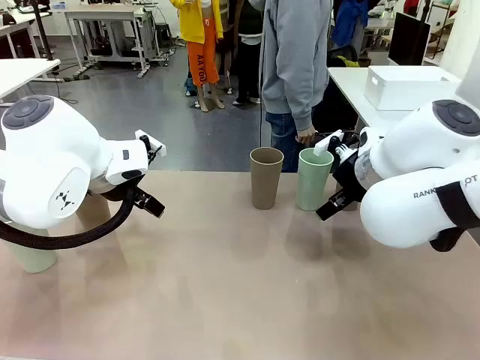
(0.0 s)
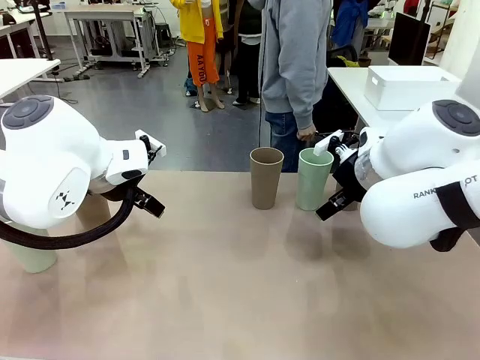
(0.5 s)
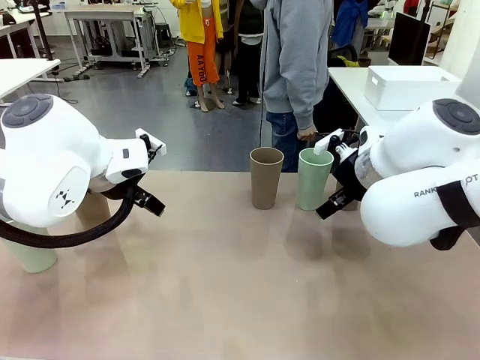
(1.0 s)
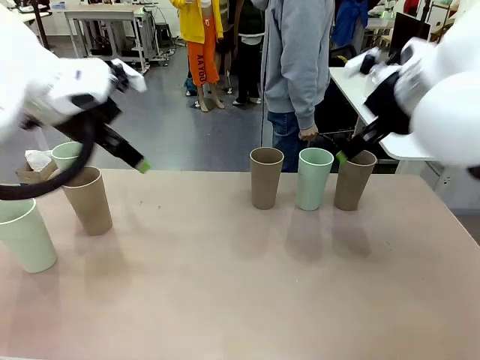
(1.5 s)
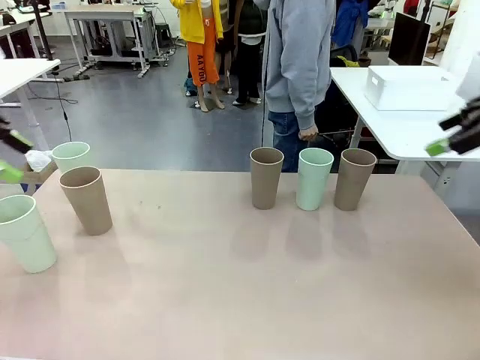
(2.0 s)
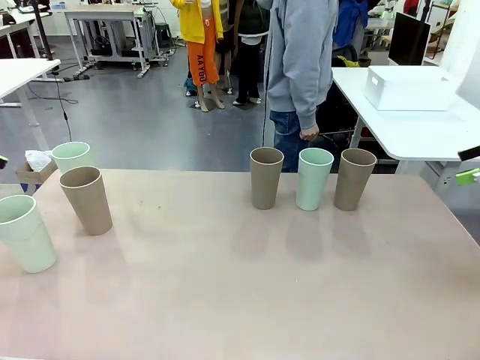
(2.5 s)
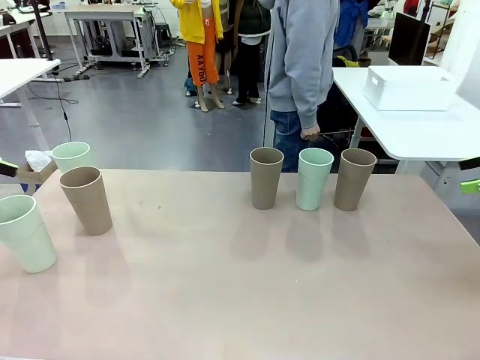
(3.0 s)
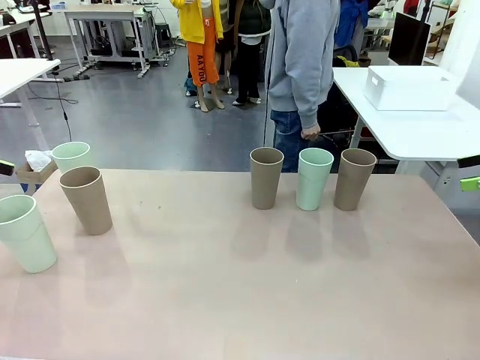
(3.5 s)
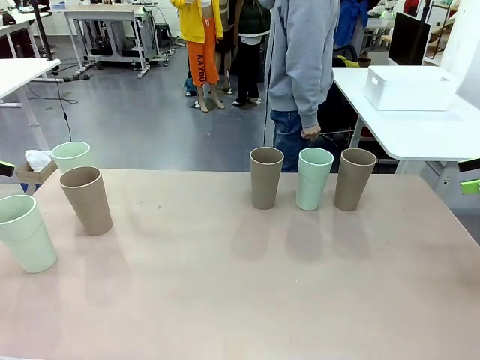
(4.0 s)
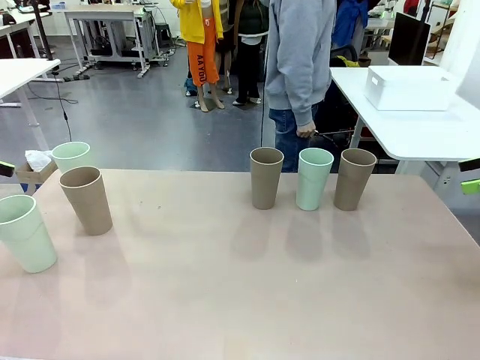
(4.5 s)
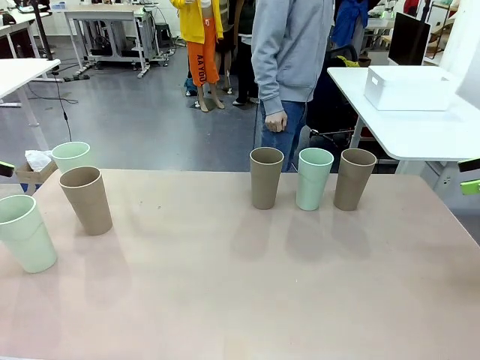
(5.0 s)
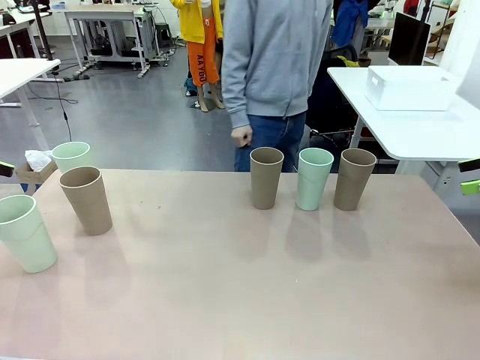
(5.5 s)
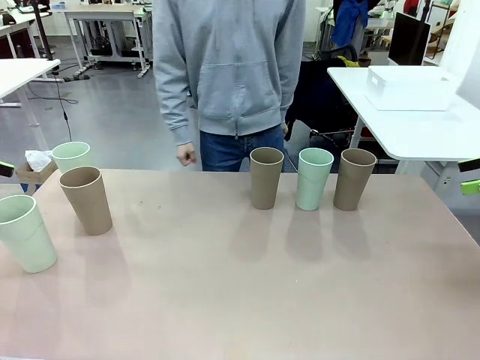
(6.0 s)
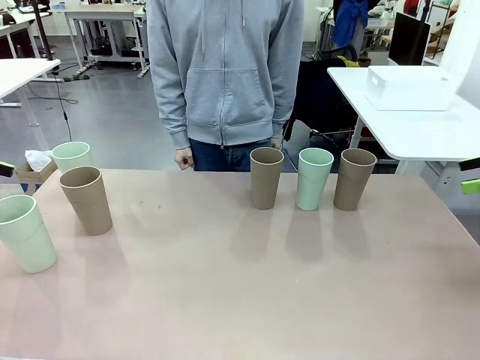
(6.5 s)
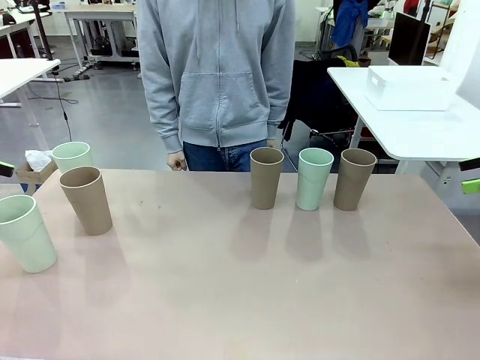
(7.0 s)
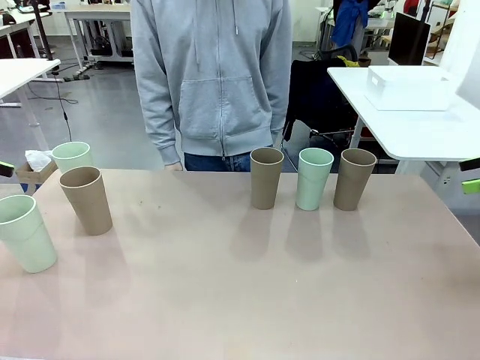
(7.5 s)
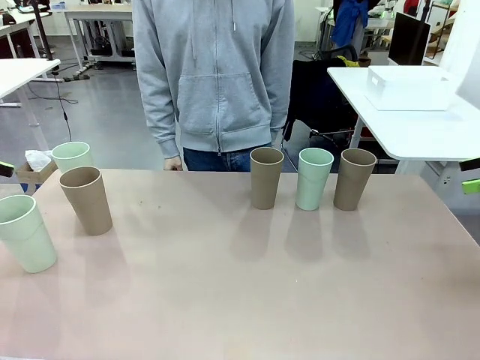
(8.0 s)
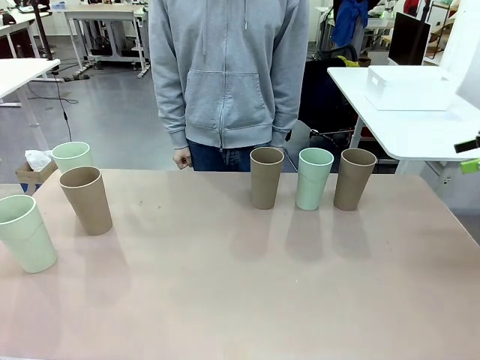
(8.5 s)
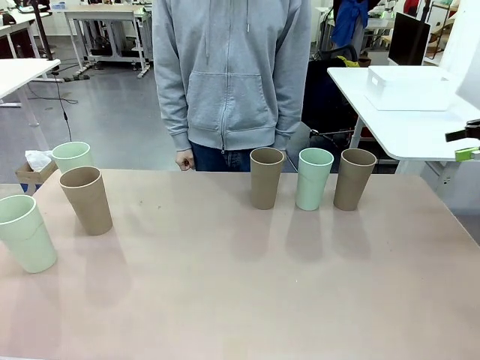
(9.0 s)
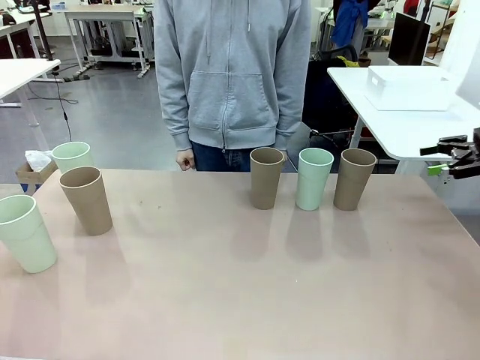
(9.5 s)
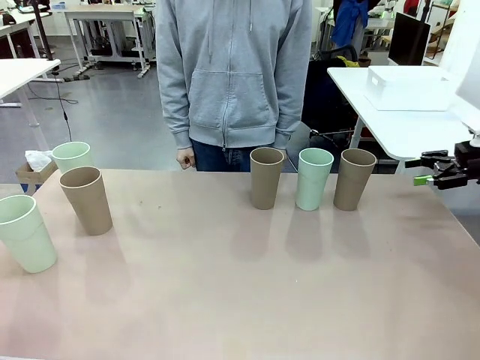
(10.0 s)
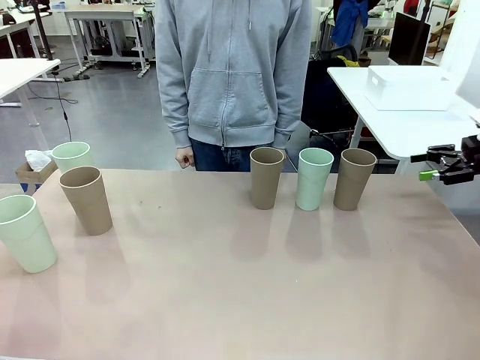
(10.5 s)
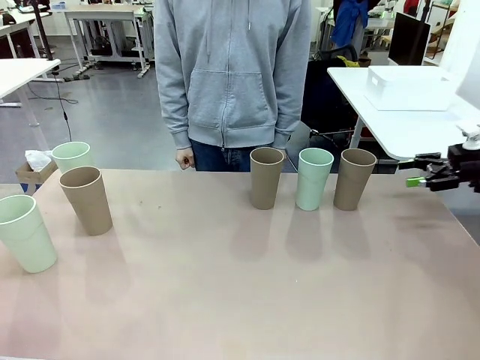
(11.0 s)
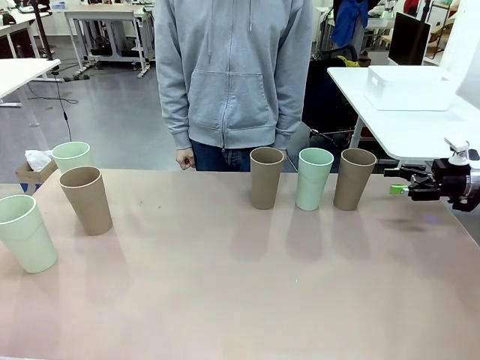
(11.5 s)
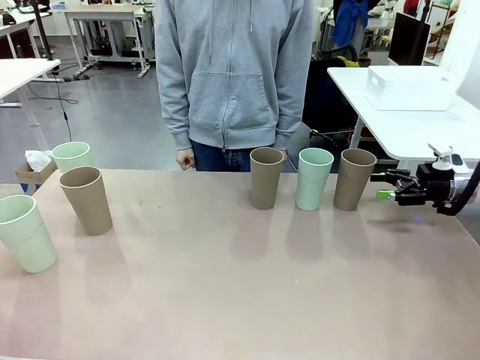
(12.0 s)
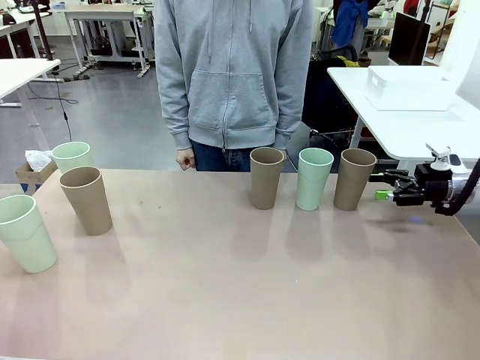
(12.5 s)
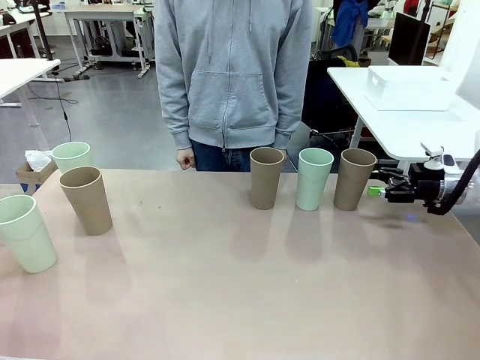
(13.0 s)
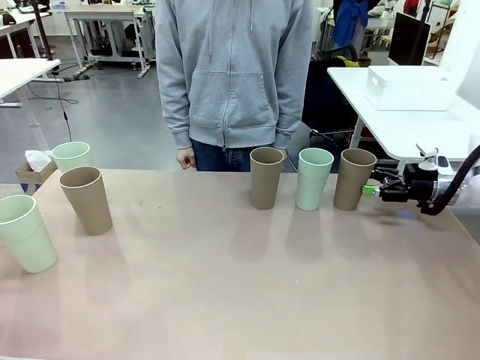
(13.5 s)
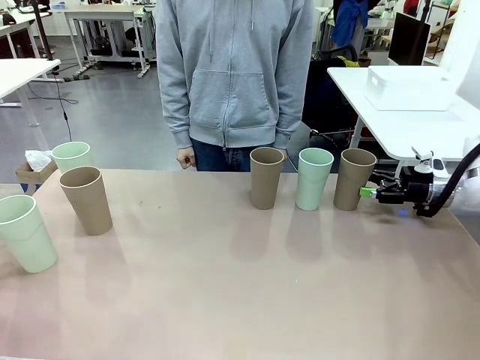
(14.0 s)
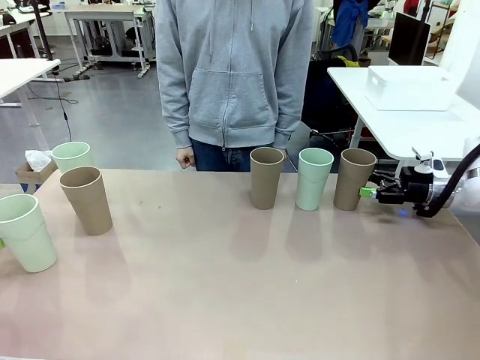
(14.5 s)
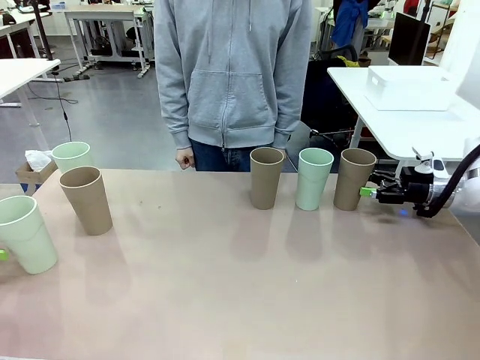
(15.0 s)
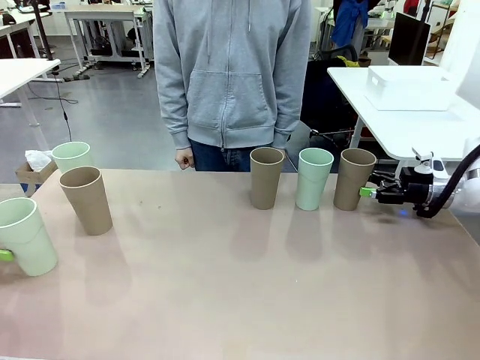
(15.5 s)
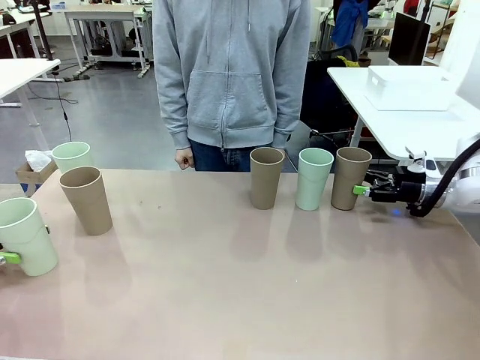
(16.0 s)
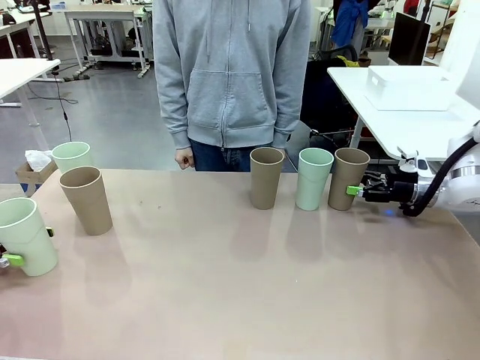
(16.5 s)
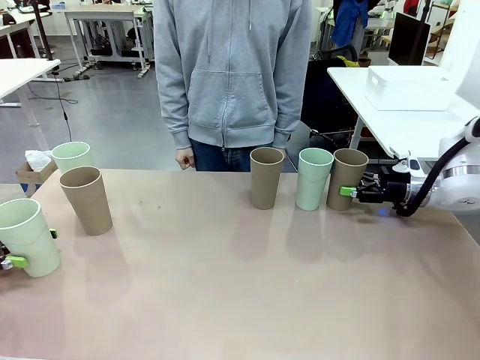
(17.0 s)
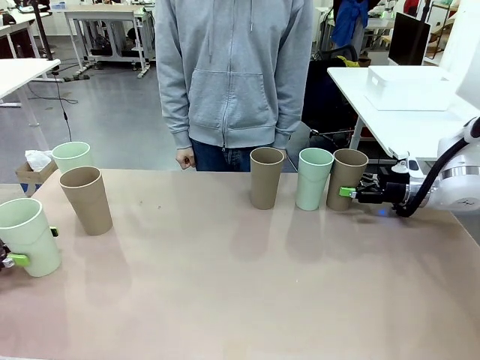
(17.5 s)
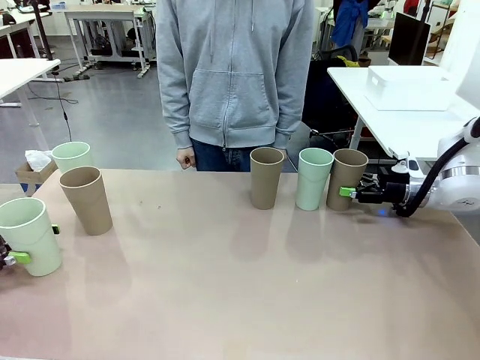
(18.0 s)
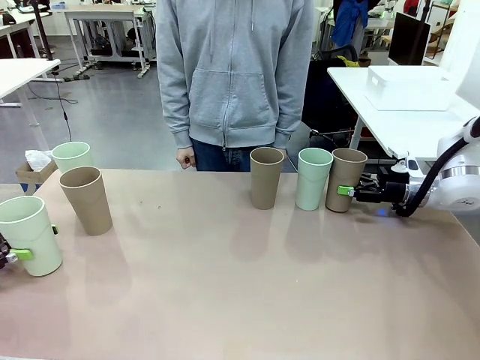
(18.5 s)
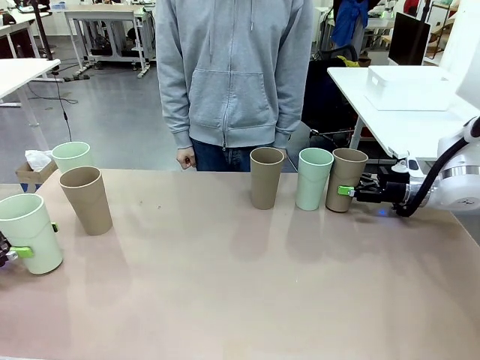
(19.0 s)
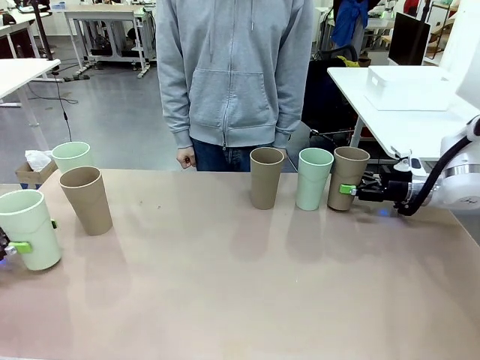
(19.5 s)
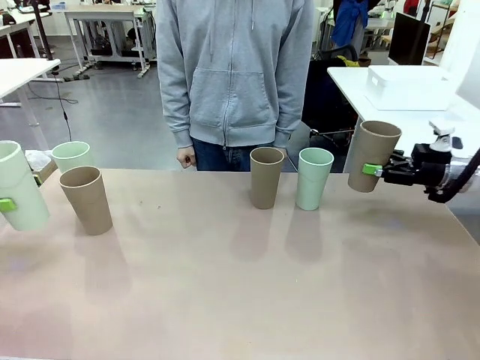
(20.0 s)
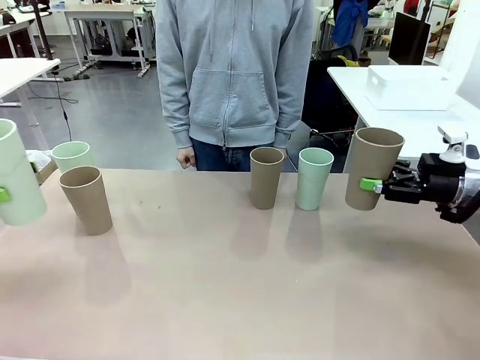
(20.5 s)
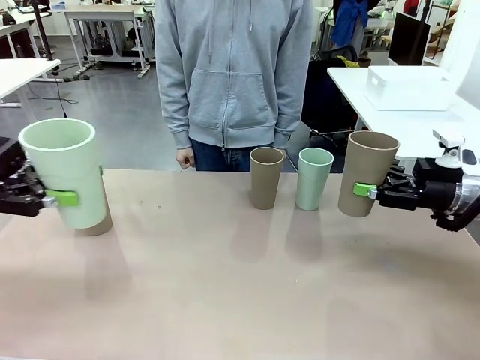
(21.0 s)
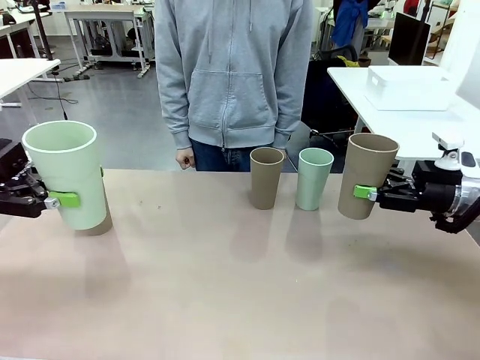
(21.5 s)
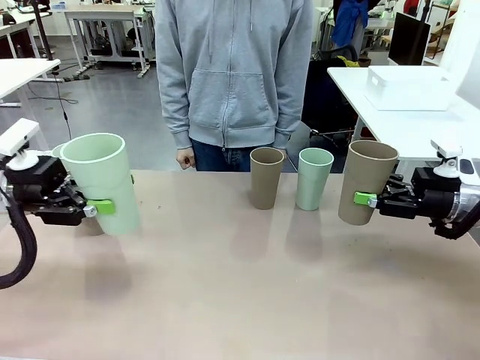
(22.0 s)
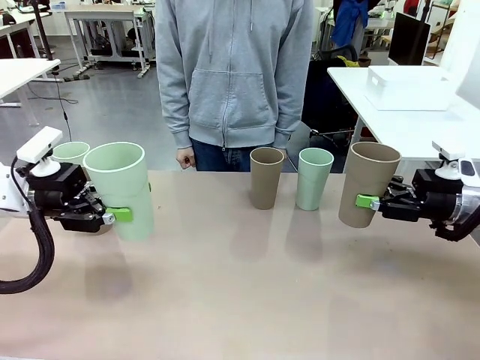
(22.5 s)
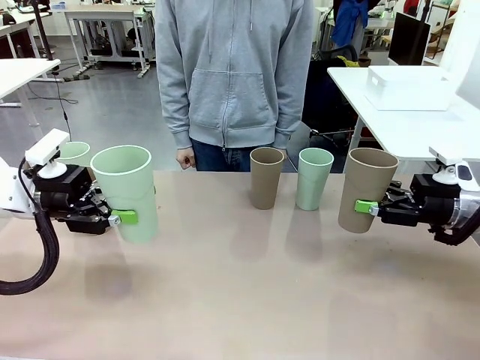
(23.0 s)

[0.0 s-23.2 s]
Task: Stack the cups and store them in the basket.
Robot: Pick up two Reusable plastic cups , one in each hand.
Person: Move from the Human Table to the front of the Robot Table. Stack two of the remaining cups on top of each cup held by the robot.
